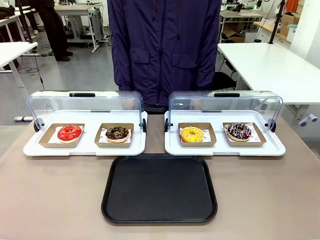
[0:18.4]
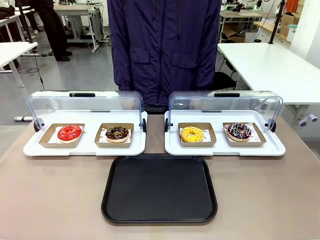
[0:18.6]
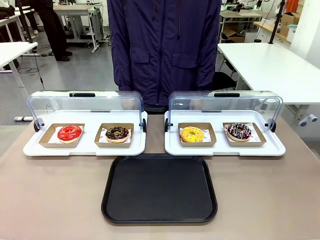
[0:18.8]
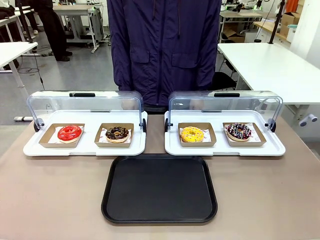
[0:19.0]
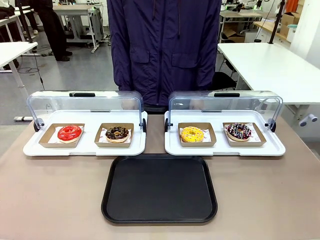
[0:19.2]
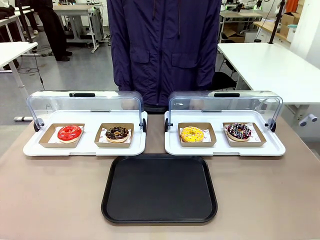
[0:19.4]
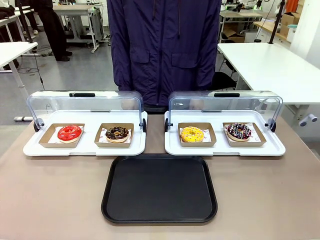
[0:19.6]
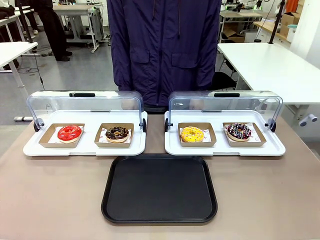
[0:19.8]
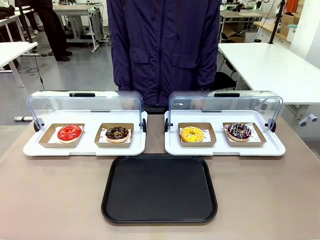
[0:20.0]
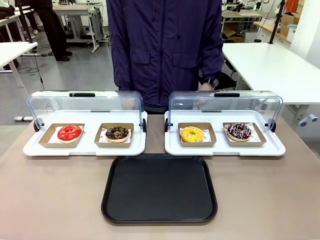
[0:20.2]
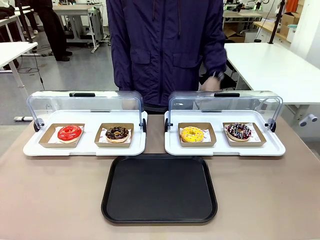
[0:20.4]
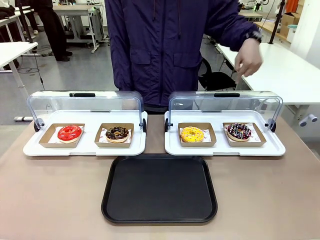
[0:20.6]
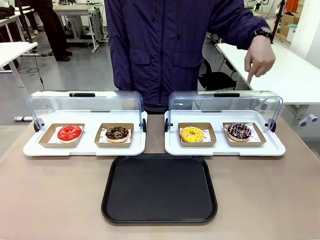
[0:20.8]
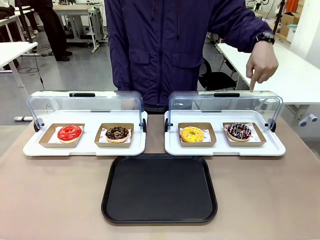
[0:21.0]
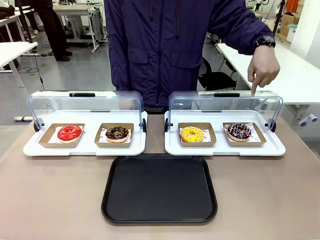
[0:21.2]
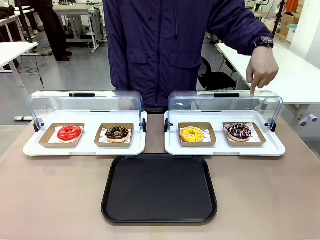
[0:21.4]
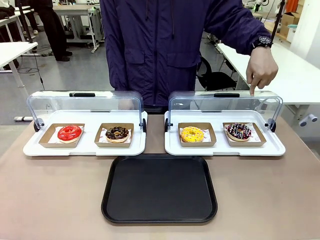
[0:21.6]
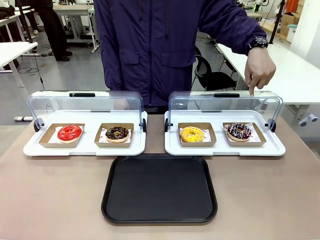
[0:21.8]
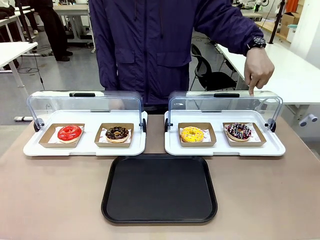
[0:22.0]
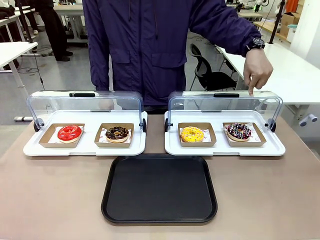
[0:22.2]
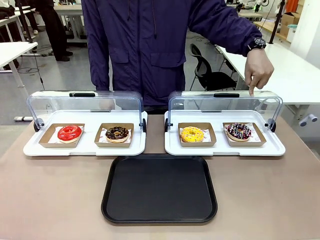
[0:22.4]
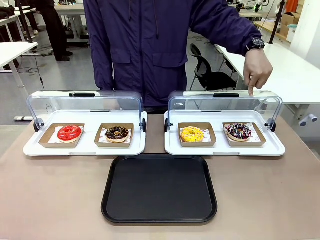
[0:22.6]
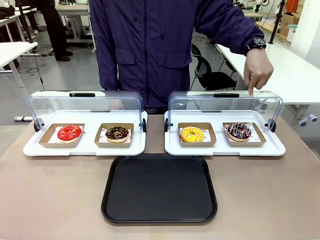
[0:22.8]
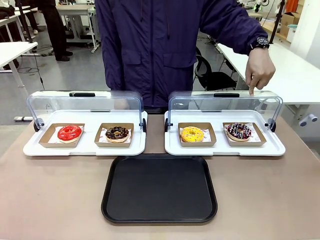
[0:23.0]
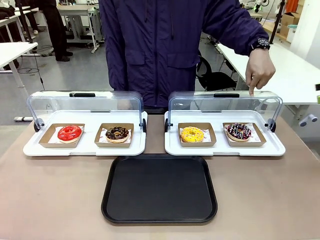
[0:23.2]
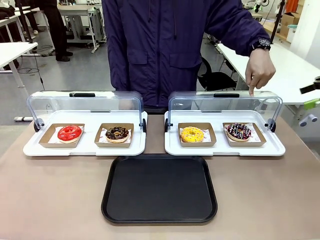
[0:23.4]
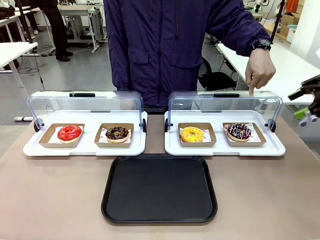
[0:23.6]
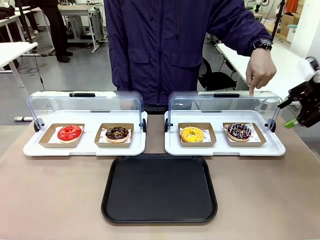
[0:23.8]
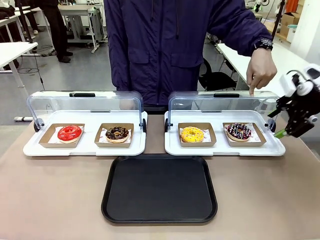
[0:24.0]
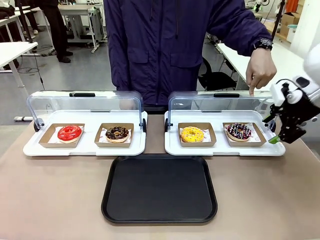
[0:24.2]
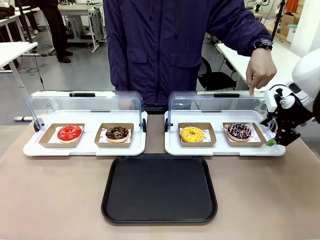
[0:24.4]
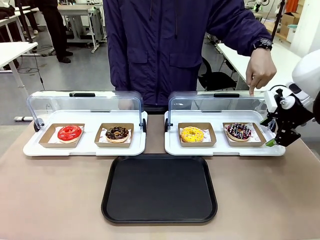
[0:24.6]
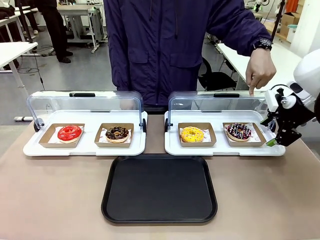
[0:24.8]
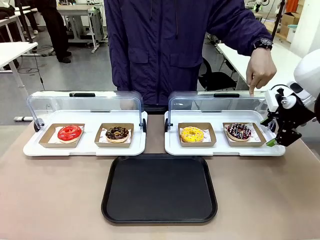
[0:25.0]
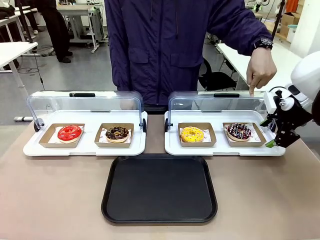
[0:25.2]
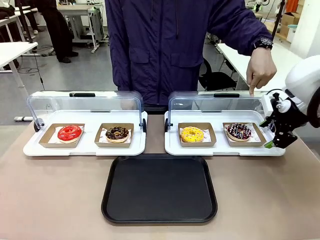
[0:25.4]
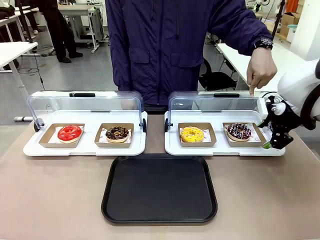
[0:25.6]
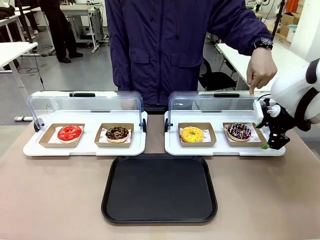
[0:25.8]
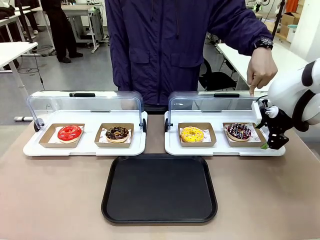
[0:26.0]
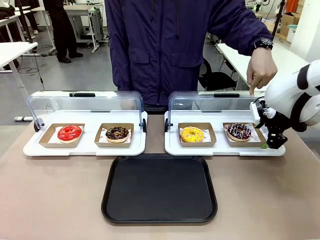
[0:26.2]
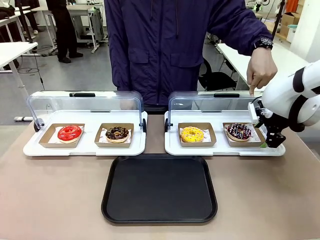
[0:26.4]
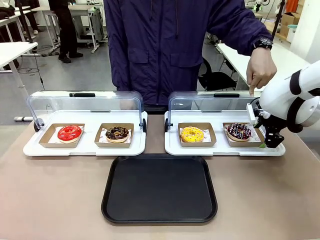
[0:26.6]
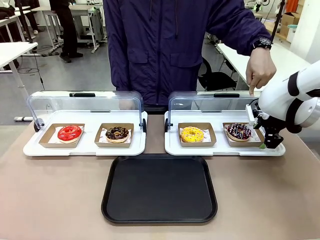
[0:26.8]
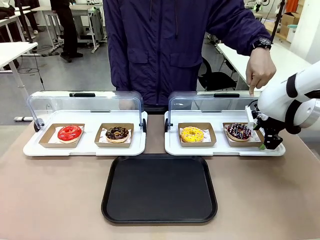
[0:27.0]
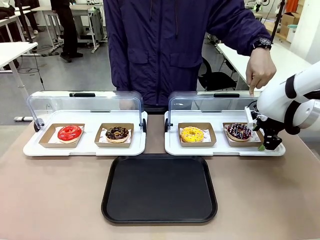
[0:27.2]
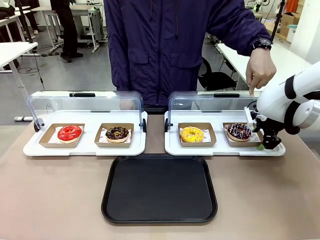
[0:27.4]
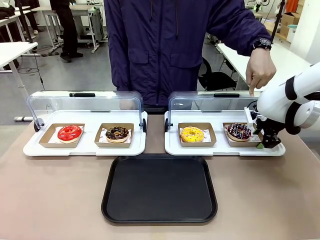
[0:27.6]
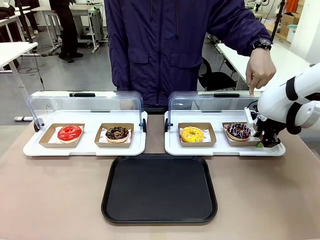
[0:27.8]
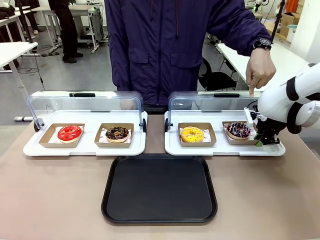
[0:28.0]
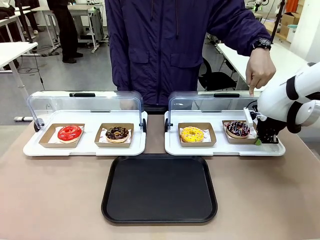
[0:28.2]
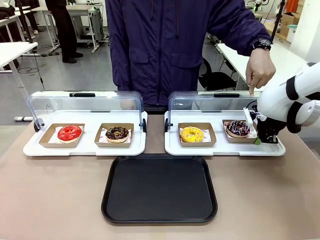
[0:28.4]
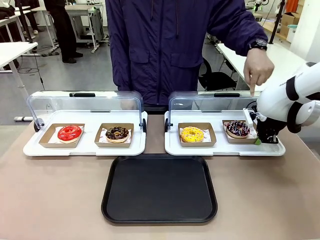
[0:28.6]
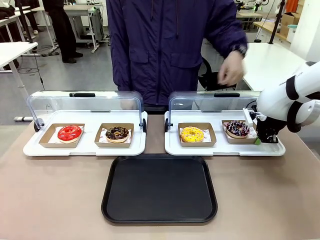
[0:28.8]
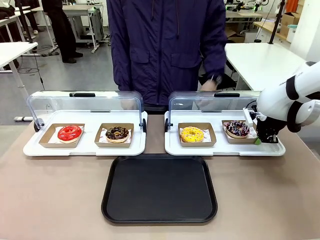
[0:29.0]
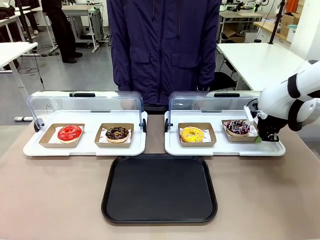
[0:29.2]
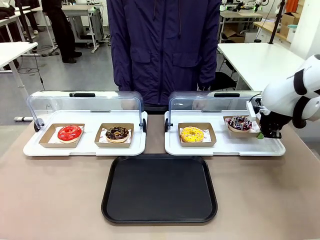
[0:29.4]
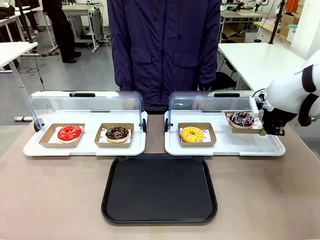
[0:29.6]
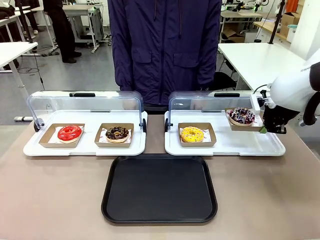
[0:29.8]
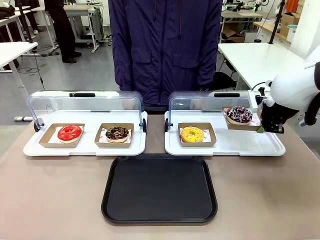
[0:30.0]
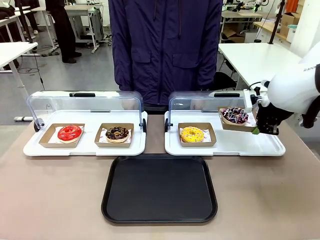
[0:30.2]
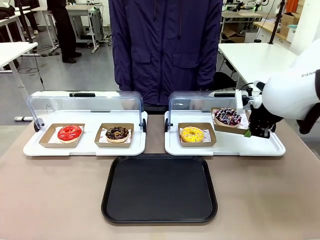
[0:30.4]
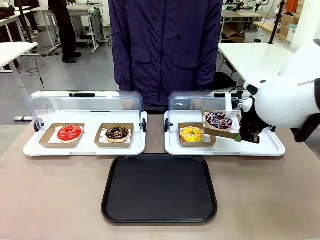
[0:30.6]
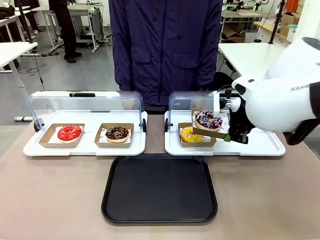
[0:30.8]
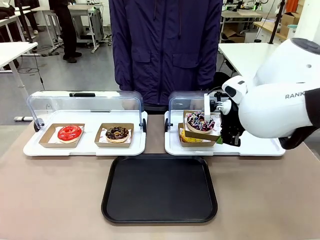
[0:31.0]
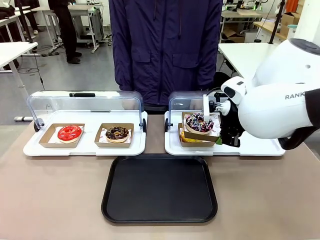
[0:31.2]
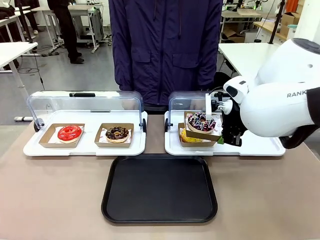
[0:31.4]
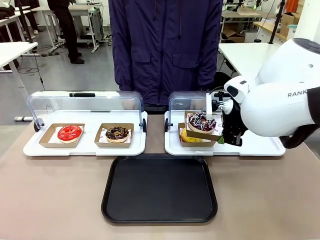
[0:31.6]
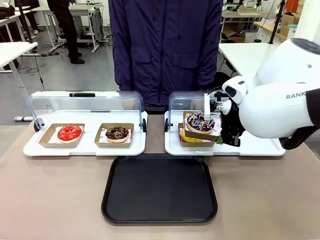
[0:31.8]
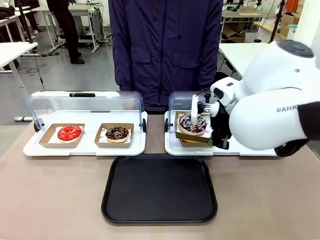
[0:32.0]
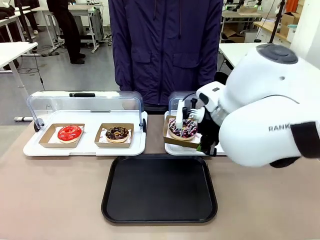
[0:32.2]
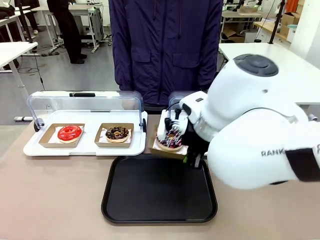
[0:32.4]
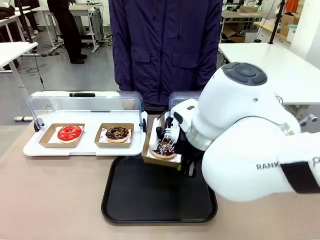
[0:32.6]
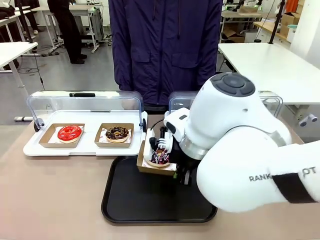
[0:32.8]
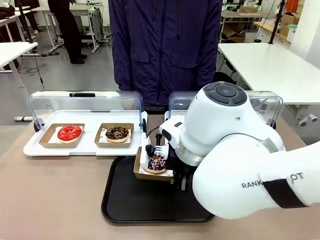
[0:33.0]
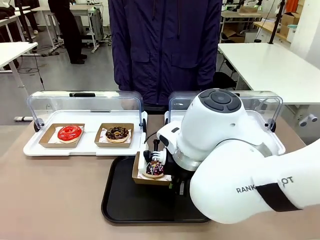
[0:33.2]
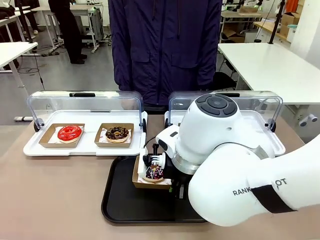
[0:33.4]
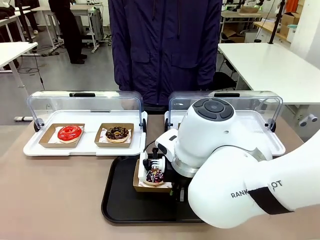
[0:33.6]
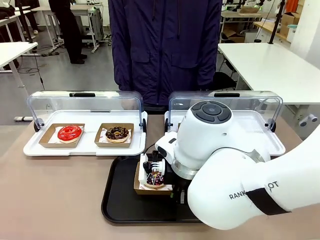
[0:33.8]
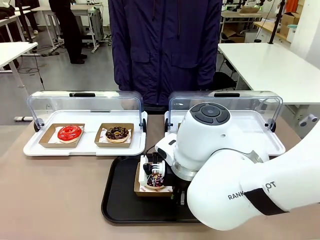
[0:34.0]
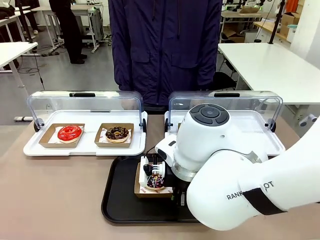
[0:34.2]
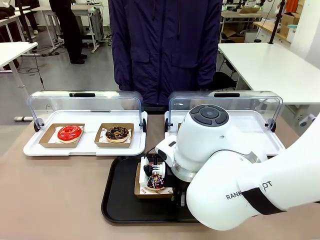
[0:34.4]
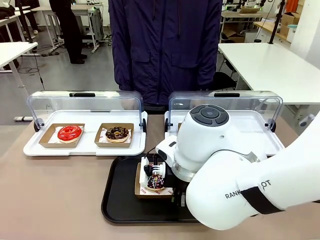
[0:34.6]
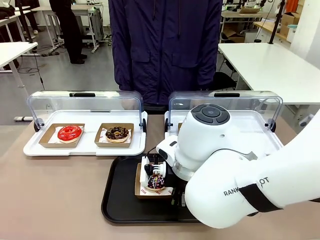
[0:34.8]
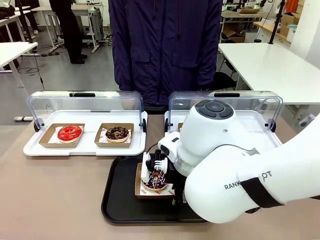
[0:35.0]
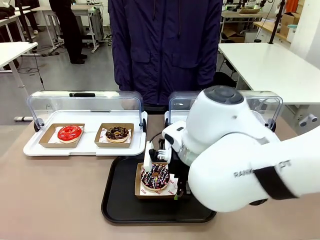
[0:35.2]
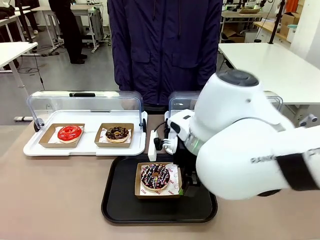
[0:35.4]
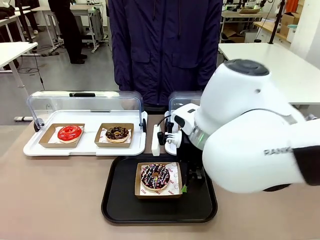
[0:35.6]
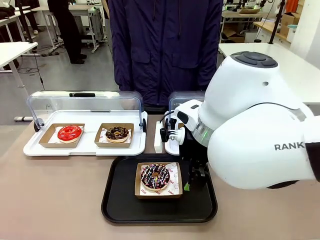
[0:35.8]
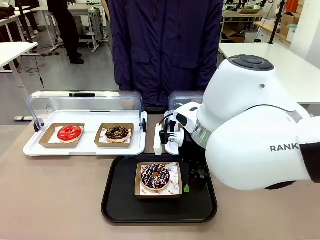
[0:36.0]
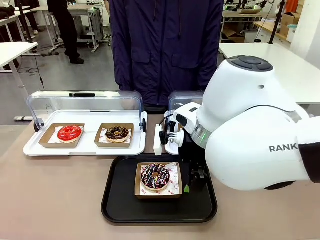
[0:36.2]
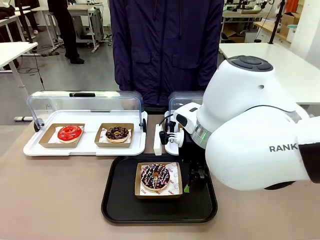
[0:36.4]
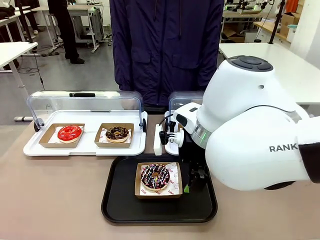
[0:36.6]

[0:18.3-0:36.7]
Task: Move the fourth donut from the left to the tray.
Robot: Pick up the Paper togo box containing the Donut indicated by the person and place it on the Handle tray.
Person: Points to the fourth donut from the left from the robot’s perspective.
